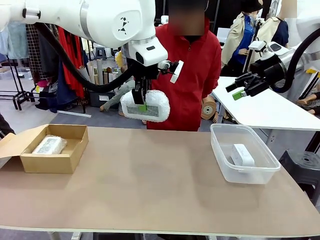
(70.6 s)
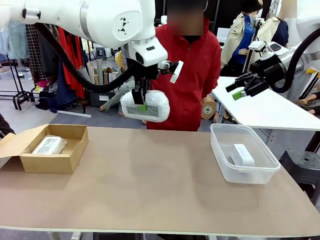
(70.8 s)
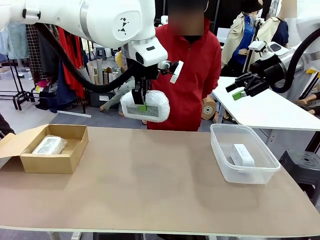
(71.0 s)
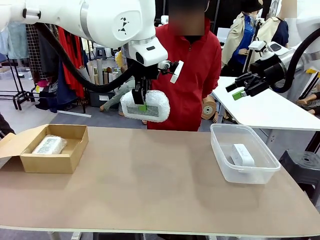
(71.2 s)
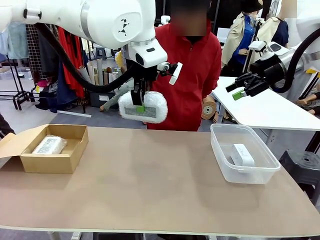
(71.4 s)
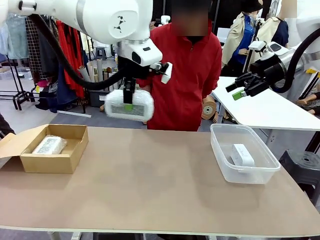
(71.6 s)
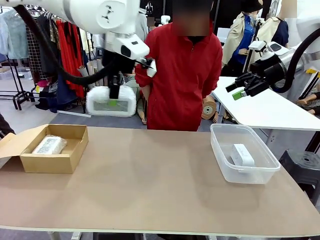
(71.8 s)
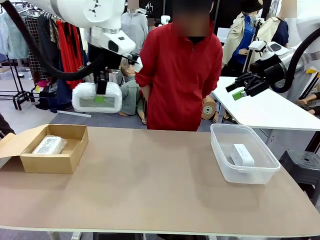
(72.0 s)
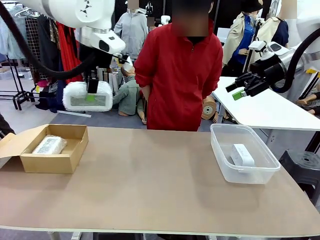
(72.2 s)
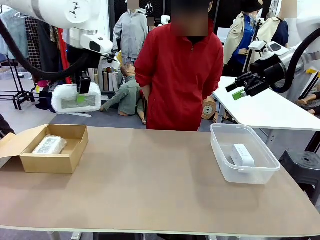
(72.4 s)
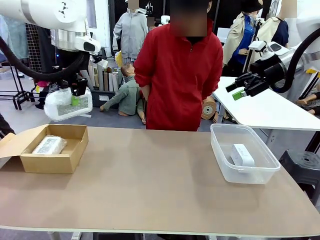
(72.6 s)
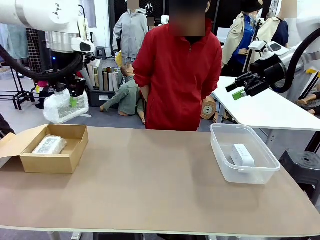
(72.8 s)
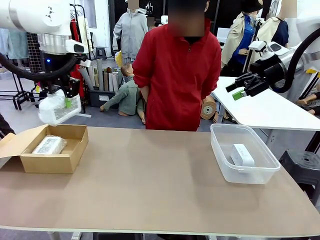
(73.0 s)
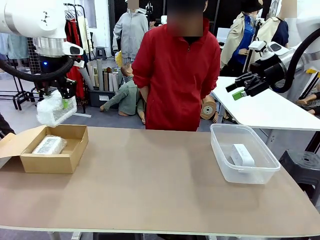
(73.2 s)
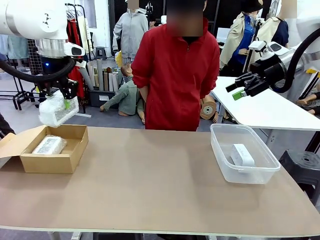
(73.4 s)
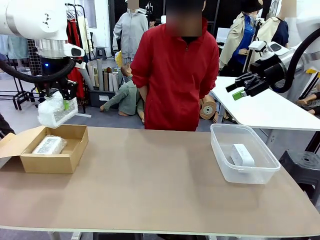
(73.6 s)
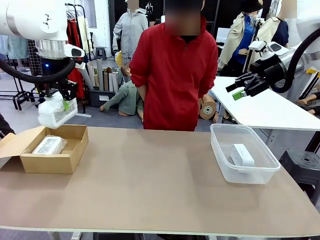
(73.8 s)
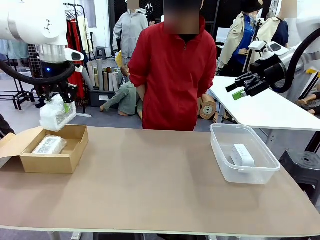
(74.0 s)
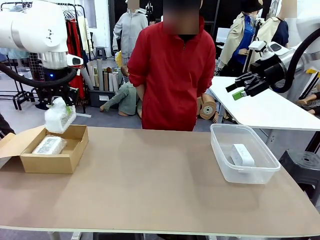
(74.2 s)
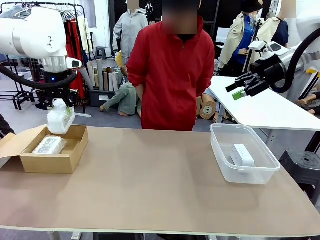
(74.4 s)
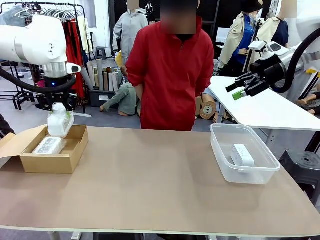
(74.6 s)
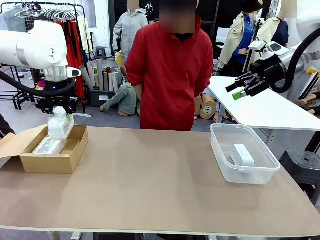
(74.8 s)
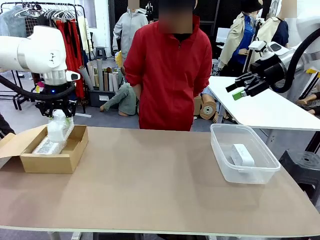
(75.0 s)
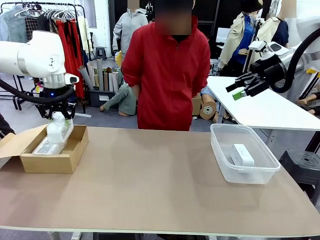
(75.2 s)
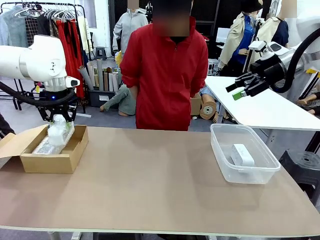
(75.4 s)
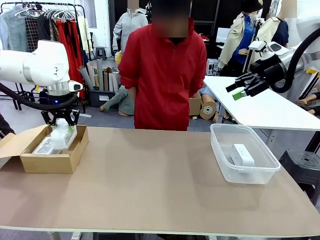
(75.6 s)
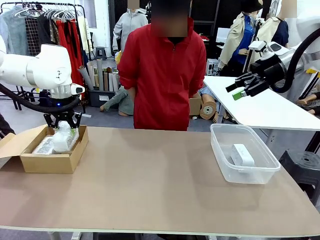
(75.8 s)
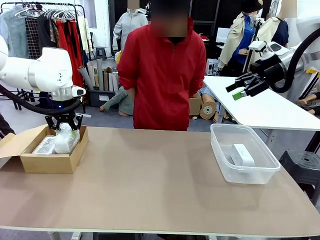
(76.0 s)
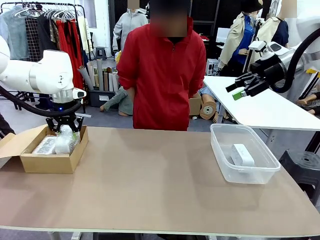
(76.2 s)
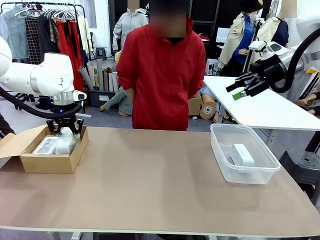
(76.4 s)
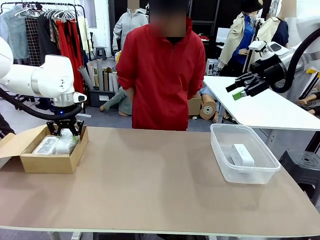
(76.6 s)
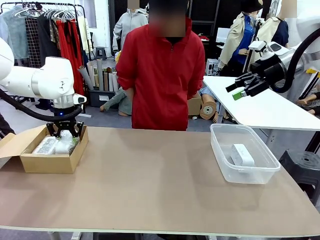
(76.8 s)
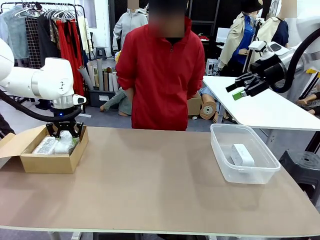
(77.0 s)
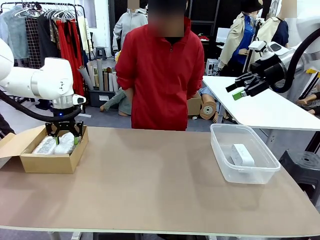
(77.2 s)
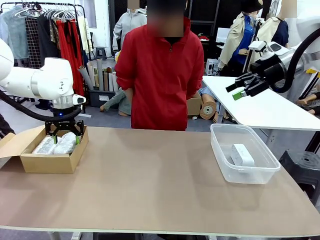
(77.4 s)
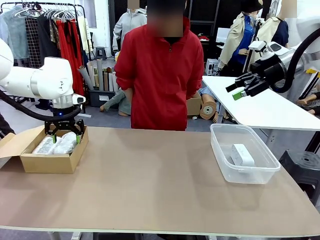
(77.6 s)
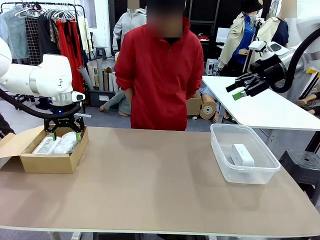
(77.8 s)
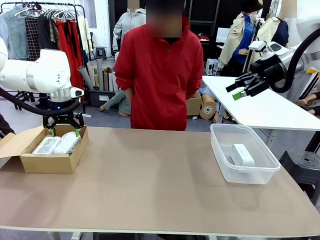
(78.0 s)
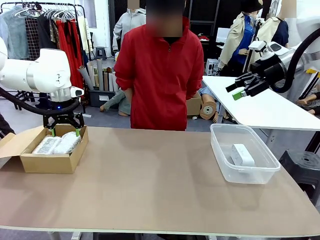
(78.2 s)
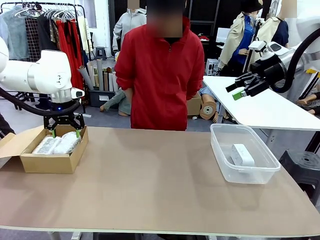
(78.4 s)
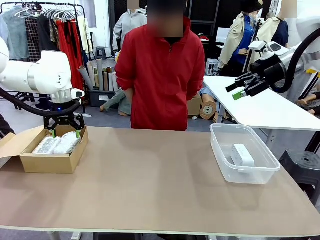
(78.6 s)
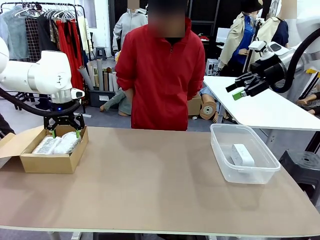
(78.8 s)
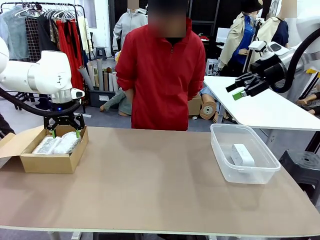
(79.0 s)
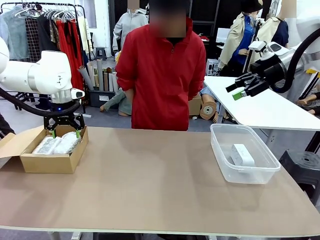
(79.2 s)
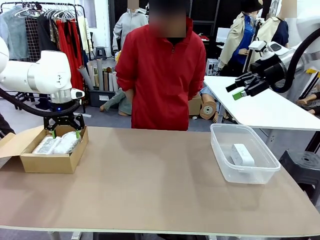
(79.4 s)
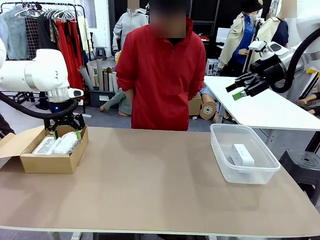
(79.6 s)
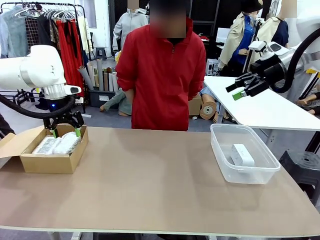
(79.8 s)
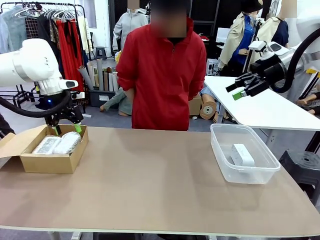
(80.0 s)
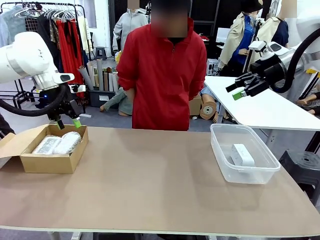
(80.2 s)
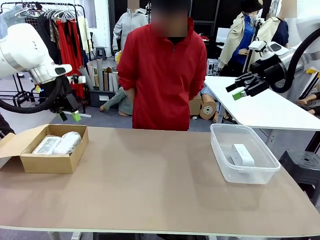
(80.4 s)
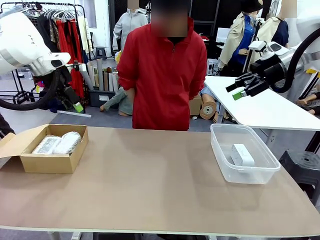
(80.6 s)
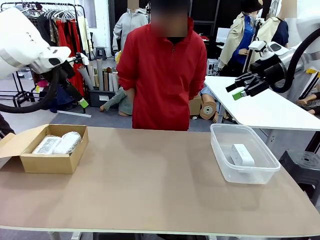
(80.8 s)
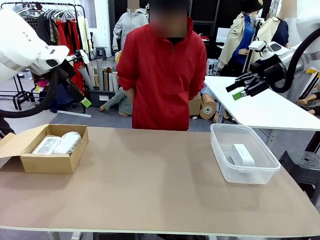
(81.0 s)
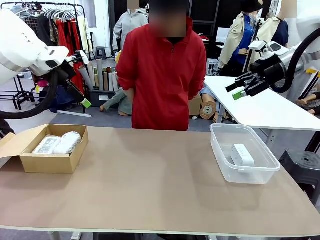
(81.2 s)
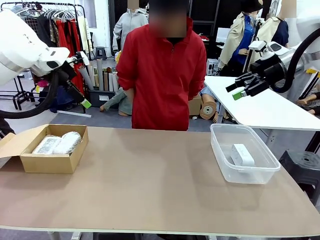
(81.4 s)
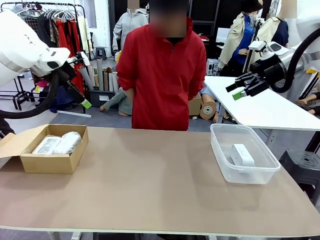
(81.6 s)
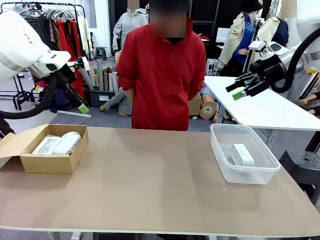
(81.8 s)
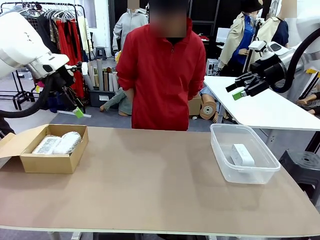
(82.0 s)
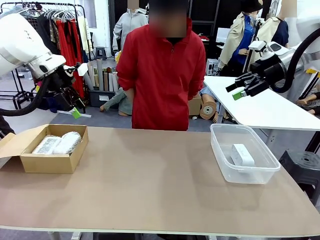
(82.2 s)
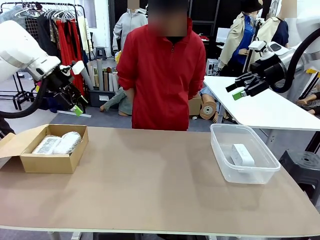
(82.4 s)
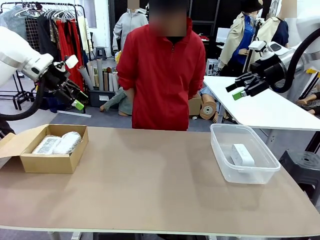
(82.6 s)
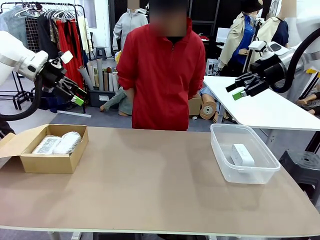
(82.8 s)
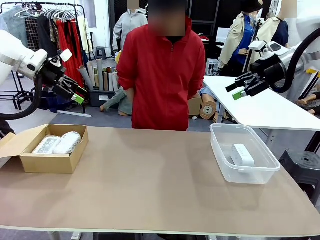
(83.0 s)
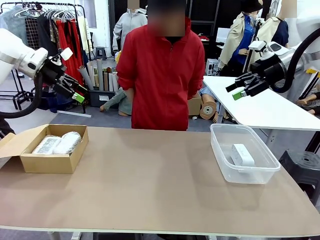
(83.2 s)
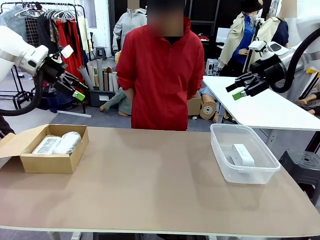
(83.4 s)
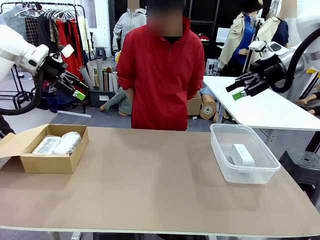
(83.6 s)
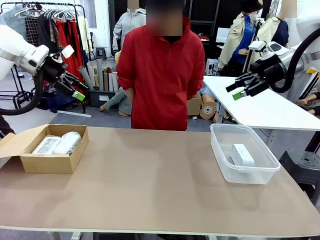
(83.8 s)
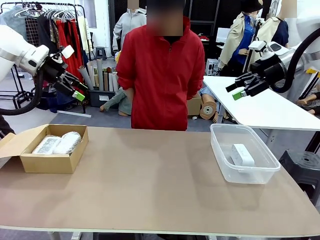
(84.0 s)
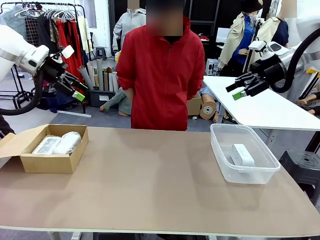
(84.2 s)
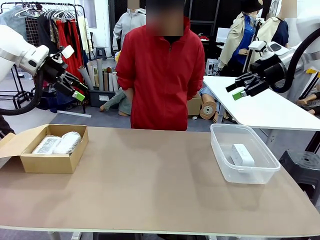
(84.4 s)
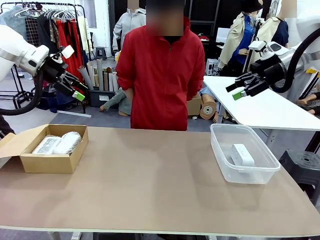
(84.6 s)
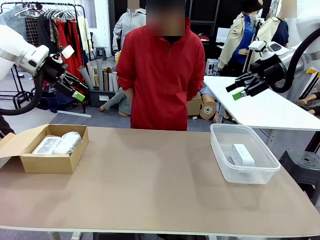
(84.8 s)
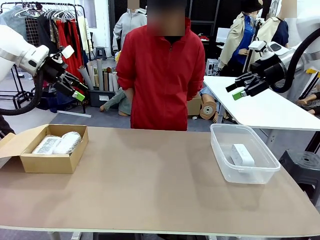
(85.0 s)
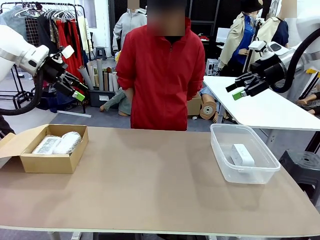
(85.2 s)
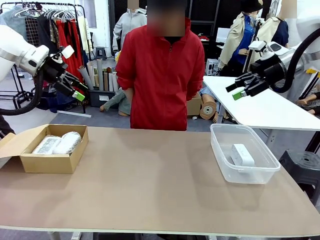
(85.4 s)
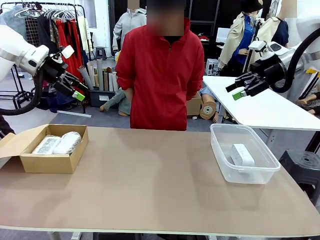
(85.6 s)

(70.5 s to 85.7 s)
Task: Separate and place wrapped and unwrapped clocks.
Robot: If the picked Digital clock is wrapped, place it in the Package Box ; if not, place it in the Organizing box.

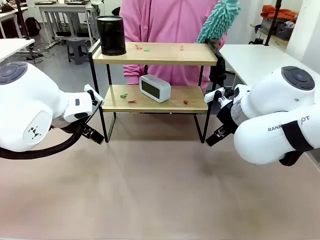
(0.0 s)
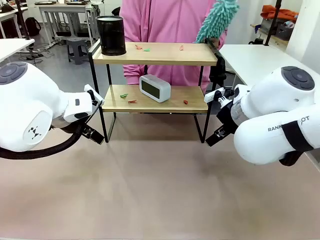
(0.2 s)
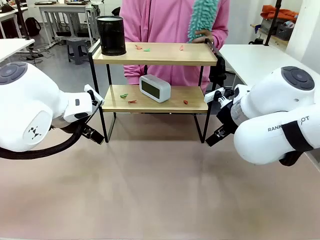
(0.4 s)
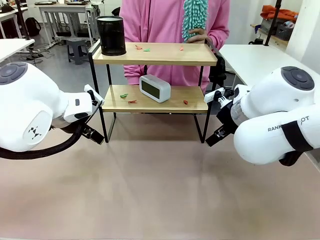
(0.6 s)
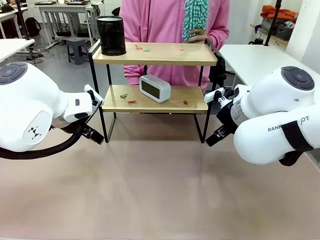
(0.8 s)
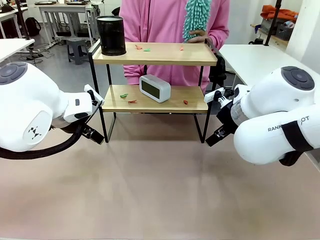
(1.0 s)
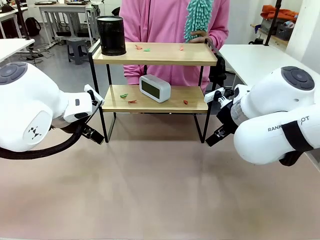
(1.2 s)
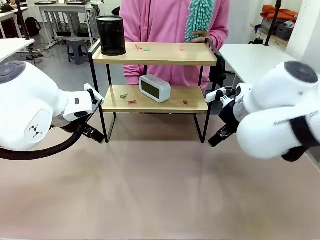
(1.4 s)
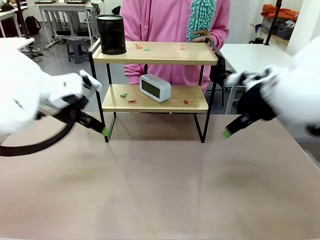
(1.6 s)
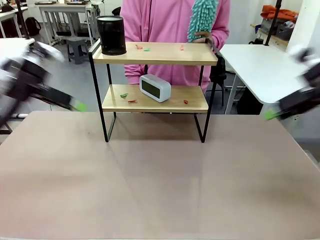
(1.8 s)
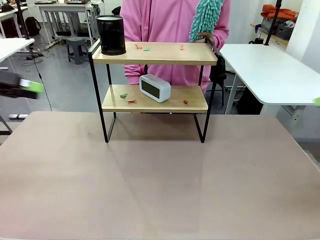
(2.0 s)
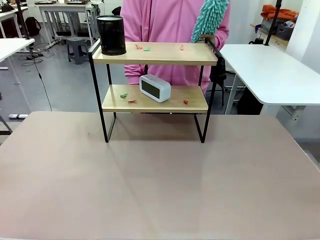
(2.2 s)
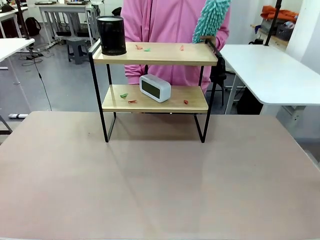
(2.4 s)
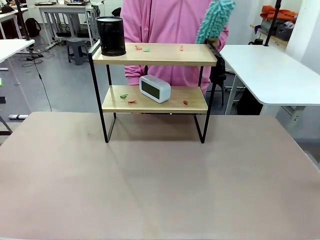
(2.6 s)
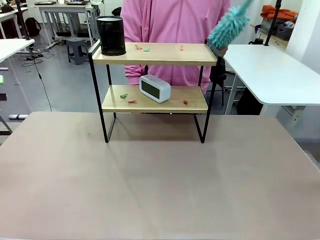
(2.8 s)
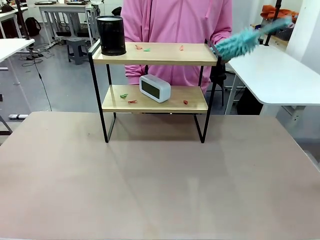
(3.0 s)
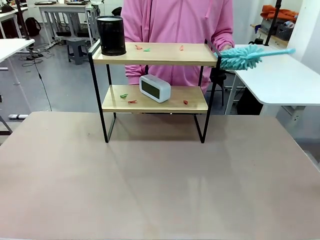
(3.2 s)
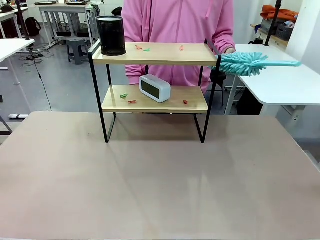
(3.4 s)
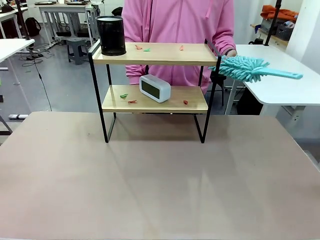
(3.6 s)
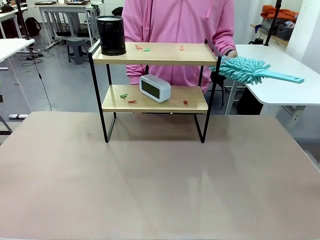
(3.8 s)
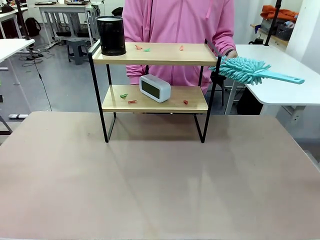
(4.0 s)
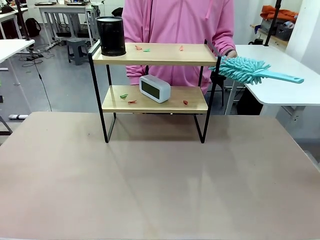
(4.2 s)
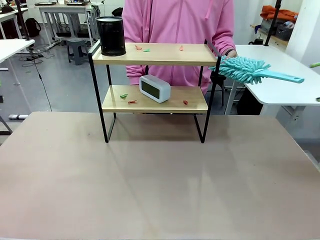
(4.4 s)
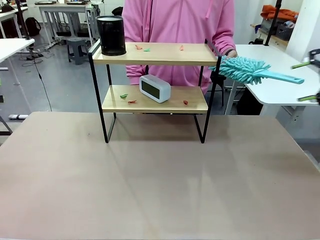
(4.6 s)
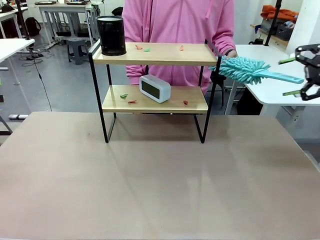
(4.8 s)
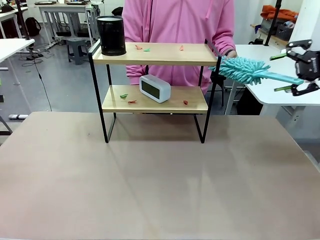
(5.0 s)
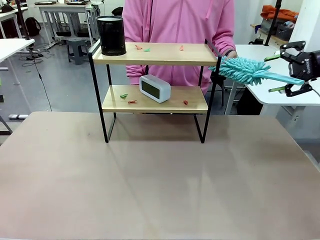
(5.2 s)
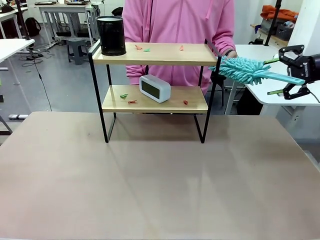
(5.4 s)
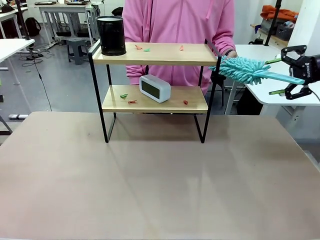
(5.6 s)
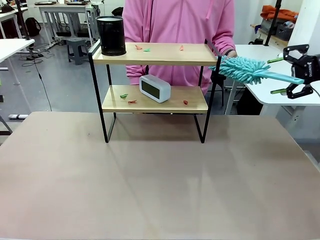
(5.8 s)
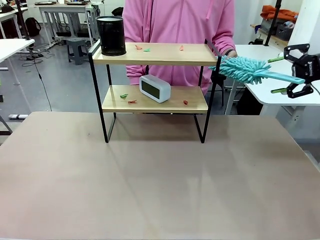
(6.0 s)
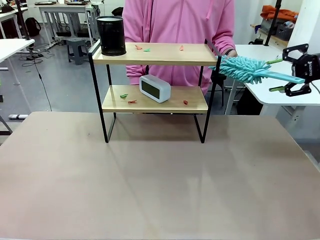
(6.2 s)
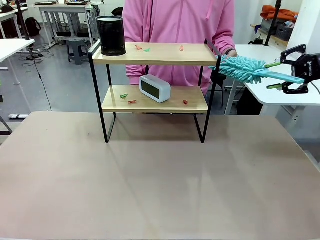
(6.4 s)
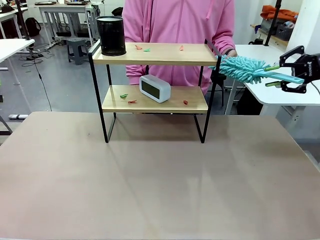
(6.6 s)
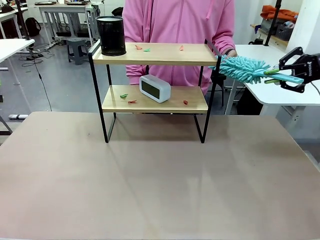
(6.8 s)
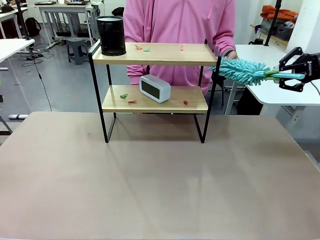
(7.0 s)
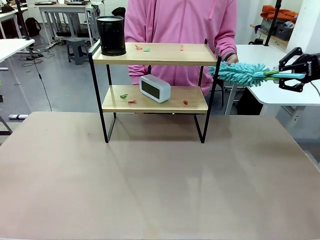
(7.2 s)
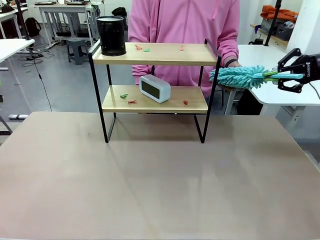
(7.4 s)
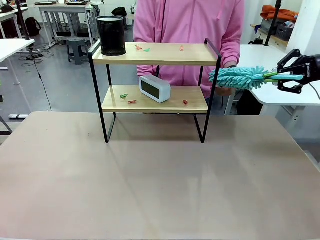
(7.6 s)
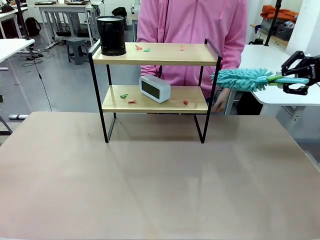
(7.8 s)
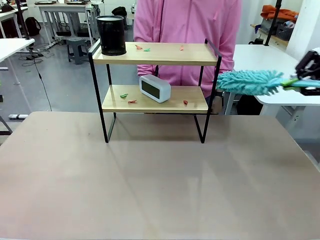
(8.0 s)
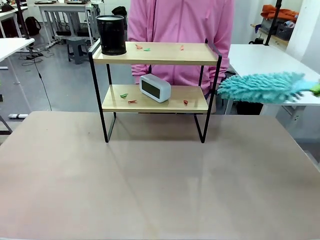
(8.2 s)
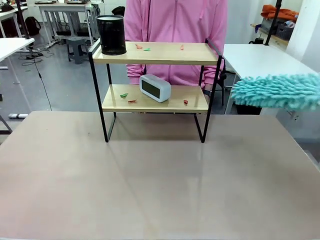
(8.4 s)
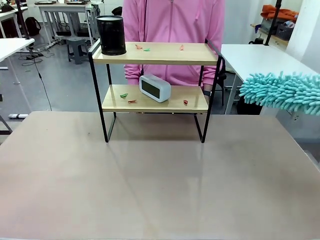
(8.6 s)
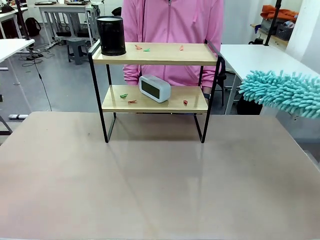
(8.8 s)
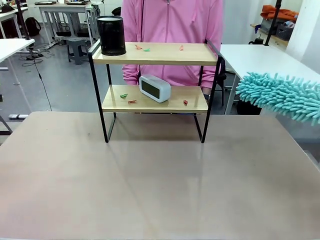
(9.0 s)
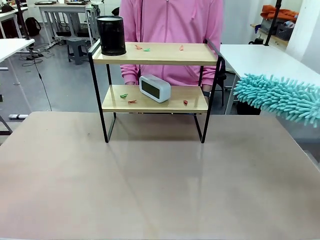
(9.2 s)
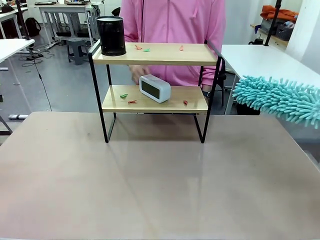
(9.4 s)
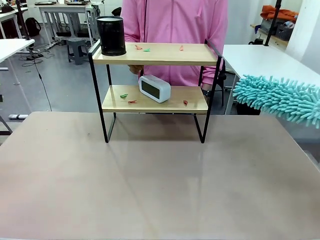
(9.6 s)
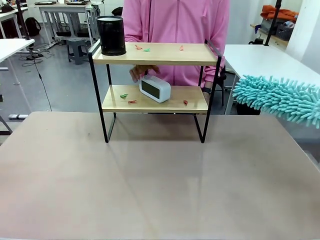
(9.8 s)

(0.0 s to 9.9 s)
Task: Clean the shelf.
Robot: Pick up the Duster from the human.
Person: Hand the Duster to the robot.
